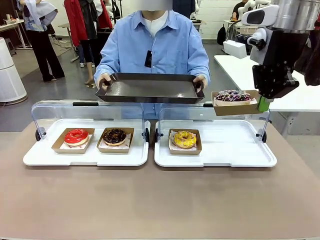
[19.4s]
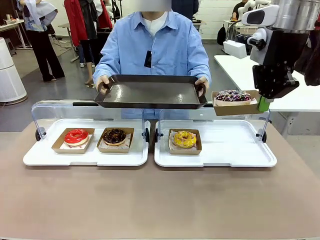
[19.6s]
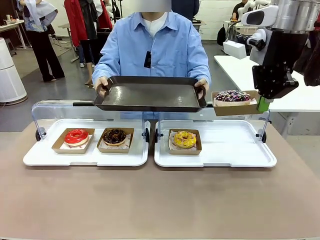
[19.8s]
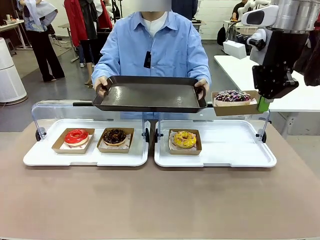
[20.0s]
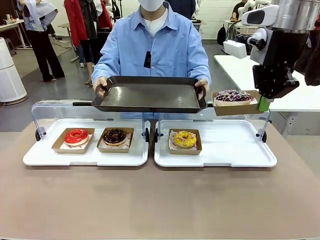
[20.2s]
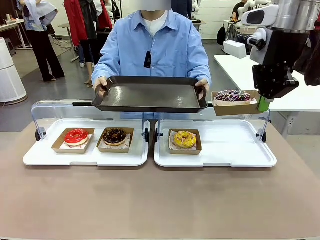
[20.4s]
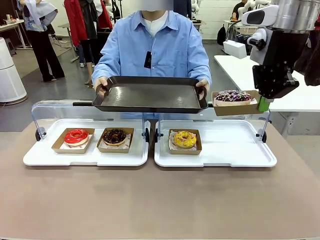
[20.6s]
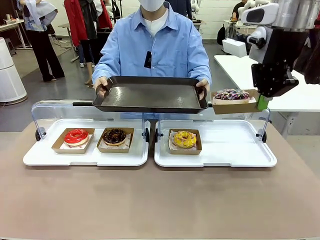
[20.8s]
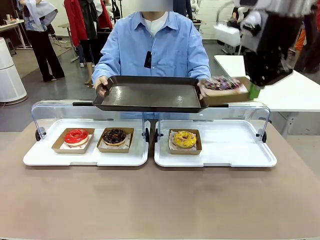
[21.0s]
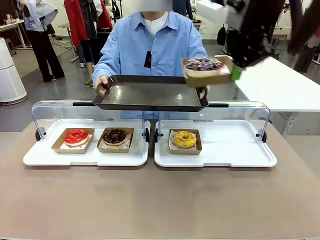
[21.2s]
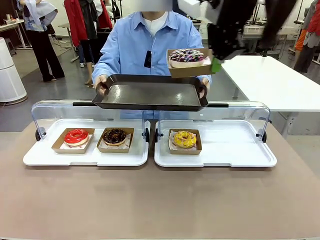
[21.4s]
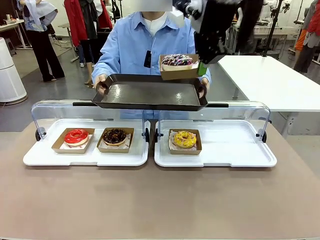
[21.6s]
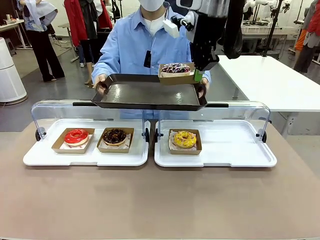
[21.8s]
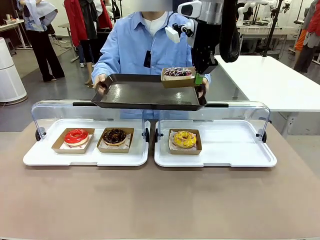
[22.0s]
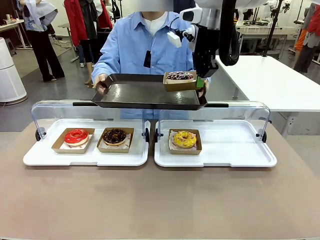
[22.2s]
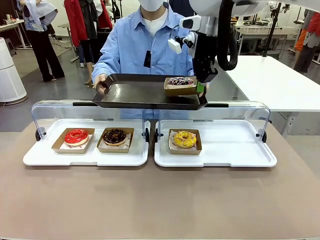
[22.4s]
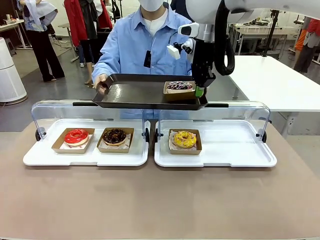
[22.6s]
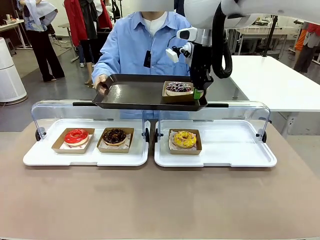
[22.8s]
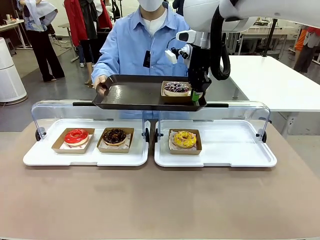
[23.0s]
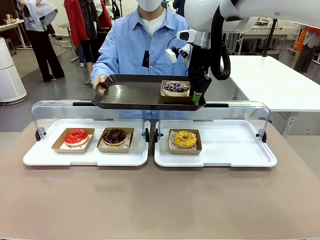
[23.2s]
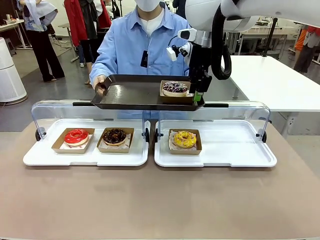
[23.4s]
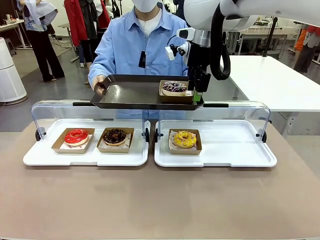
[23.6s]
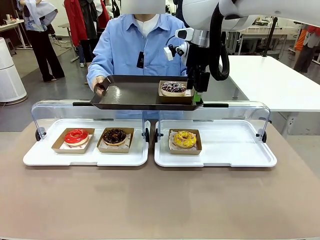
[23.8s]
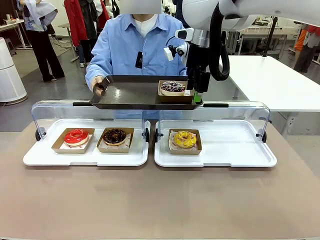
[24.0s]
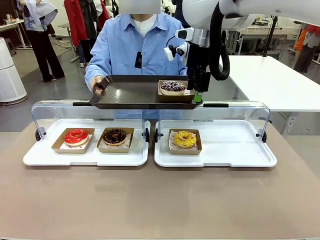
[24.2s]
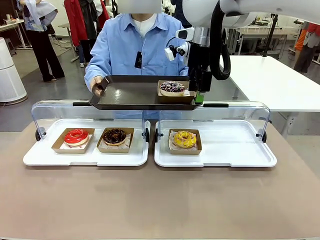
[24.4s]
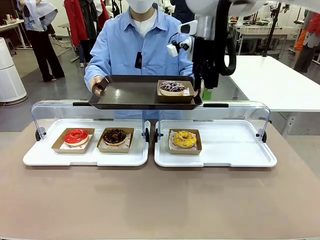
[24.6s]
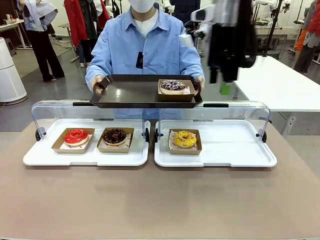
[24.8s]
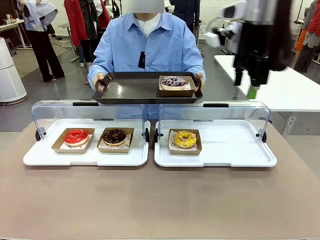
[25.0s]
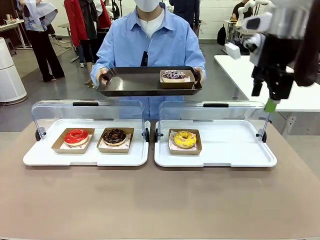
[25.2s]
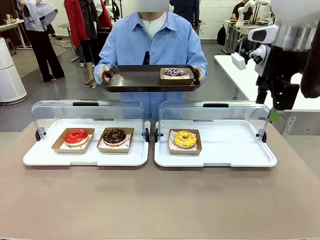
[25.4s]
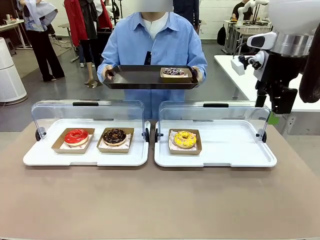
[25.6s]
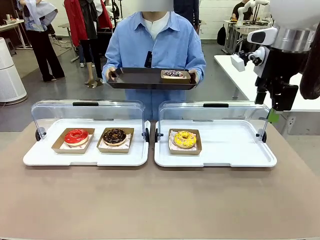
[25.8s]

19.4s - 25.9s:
Task: Provide the desired donut to the person.
Robot: Place the picked Paper togo box onto the Handle tray extended by the person.

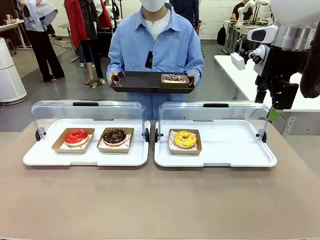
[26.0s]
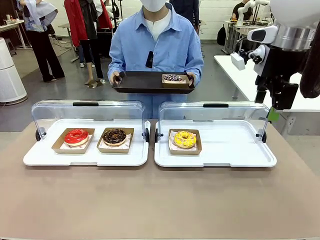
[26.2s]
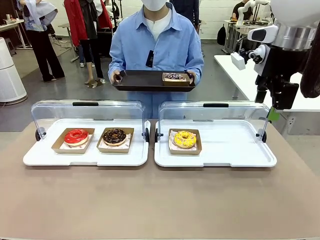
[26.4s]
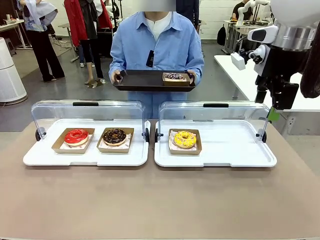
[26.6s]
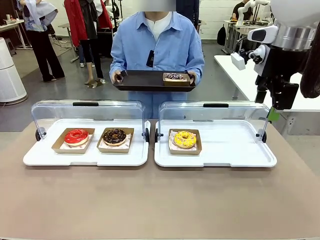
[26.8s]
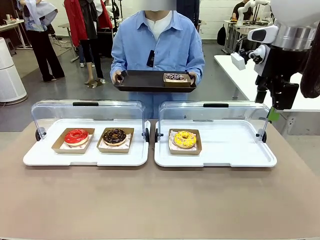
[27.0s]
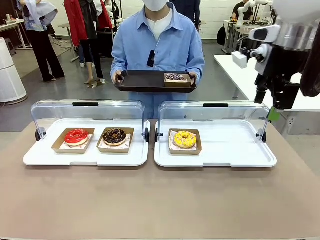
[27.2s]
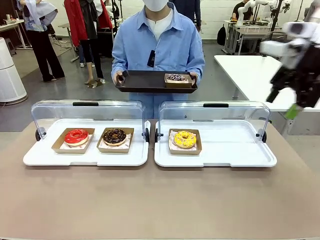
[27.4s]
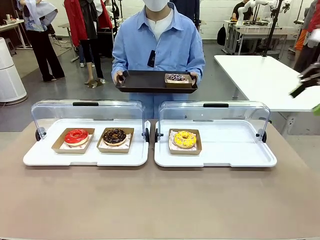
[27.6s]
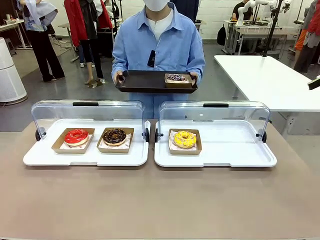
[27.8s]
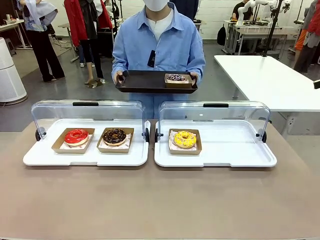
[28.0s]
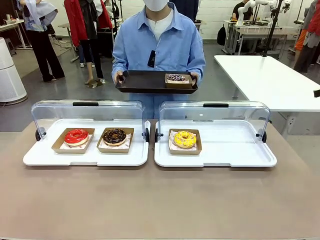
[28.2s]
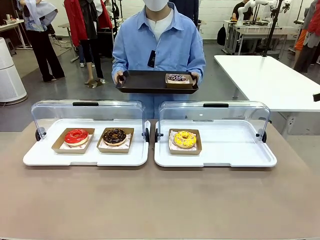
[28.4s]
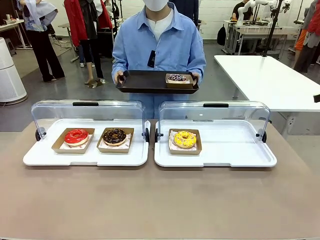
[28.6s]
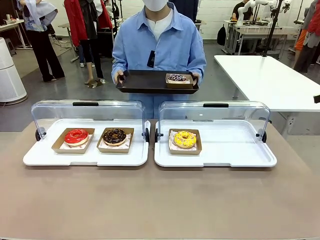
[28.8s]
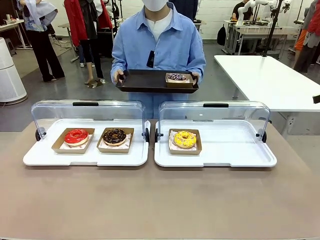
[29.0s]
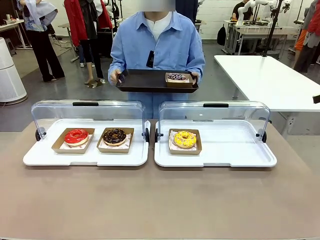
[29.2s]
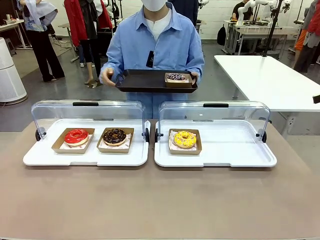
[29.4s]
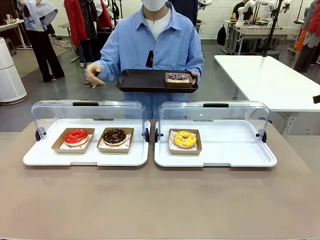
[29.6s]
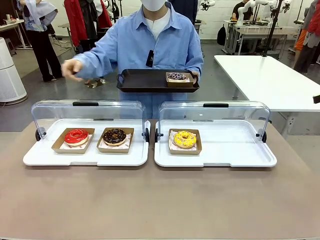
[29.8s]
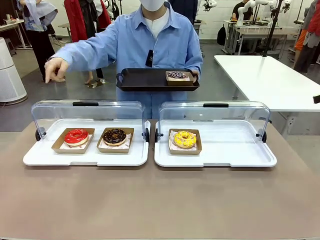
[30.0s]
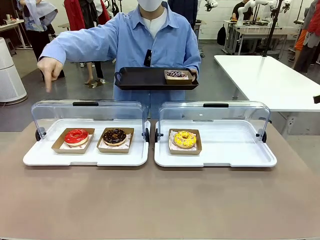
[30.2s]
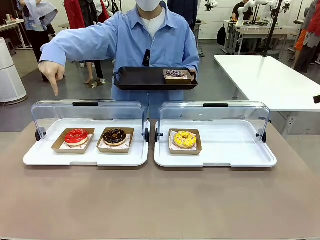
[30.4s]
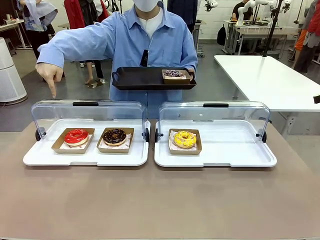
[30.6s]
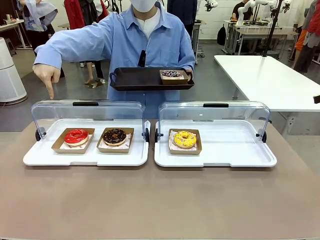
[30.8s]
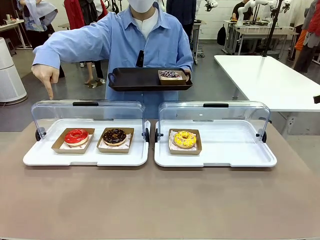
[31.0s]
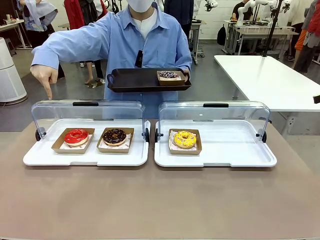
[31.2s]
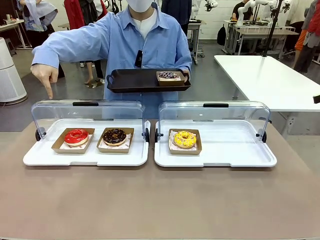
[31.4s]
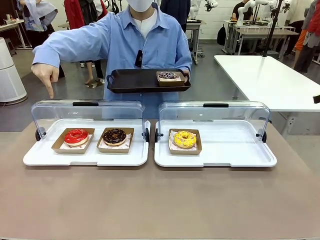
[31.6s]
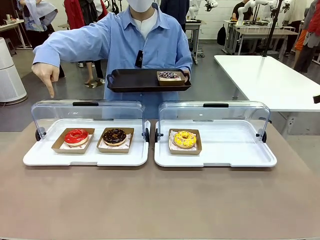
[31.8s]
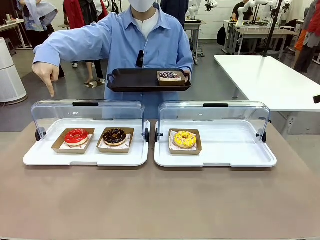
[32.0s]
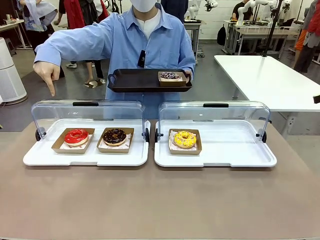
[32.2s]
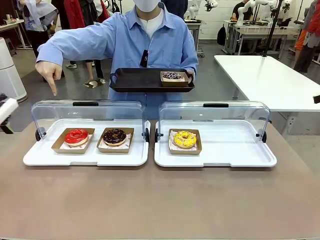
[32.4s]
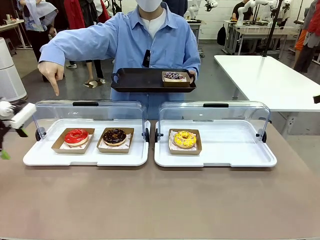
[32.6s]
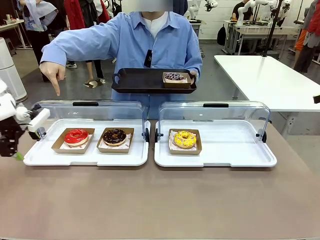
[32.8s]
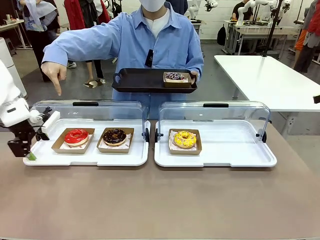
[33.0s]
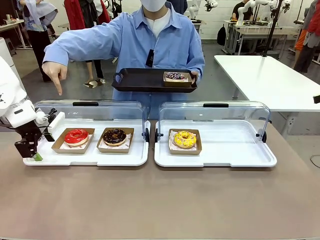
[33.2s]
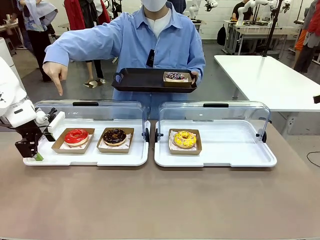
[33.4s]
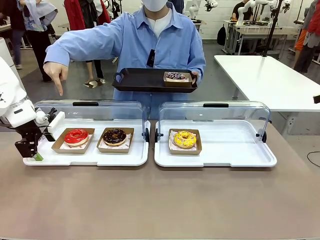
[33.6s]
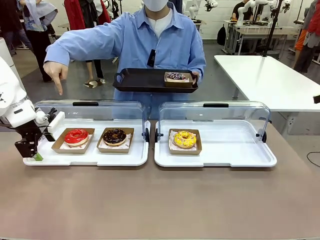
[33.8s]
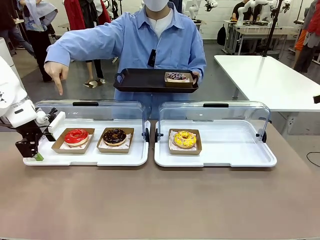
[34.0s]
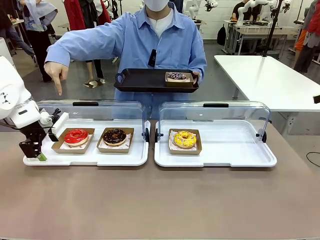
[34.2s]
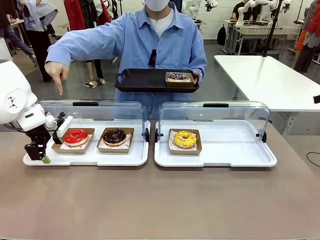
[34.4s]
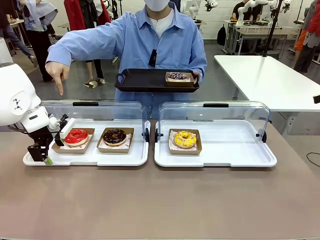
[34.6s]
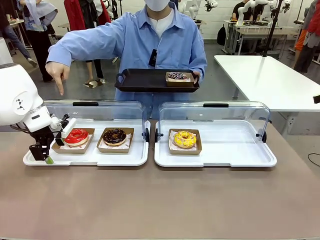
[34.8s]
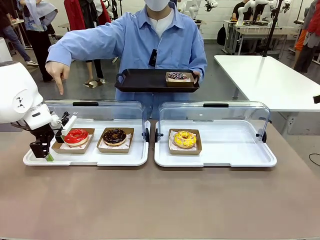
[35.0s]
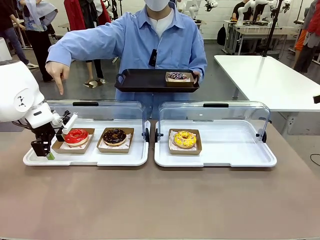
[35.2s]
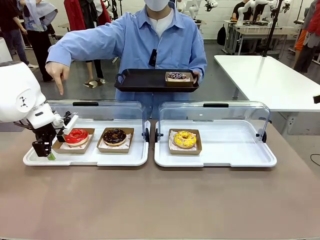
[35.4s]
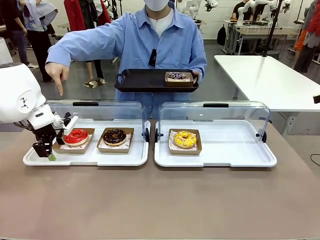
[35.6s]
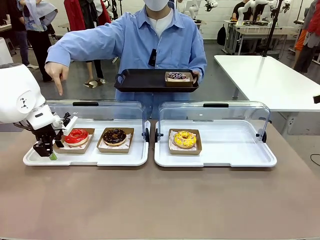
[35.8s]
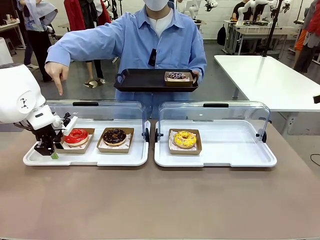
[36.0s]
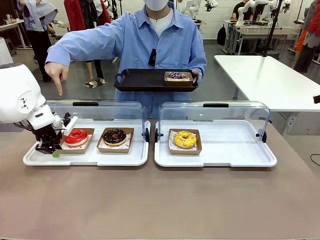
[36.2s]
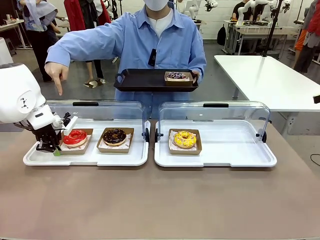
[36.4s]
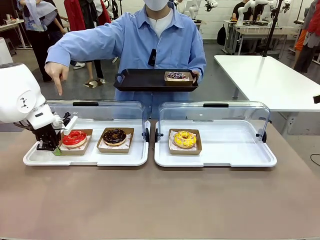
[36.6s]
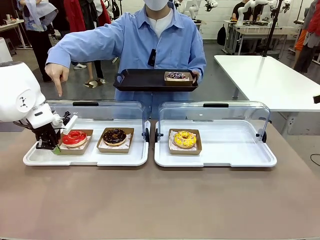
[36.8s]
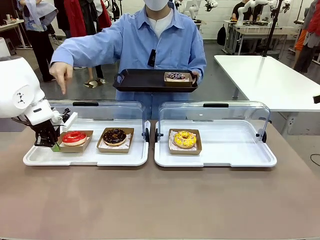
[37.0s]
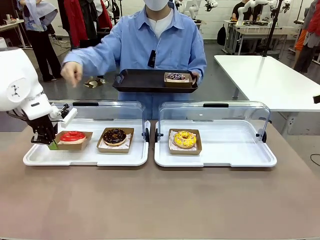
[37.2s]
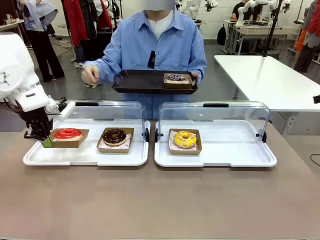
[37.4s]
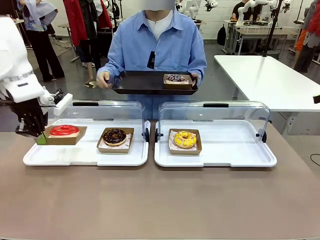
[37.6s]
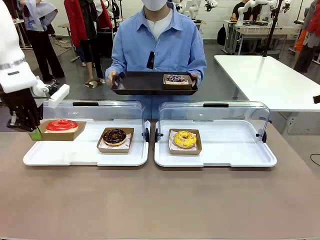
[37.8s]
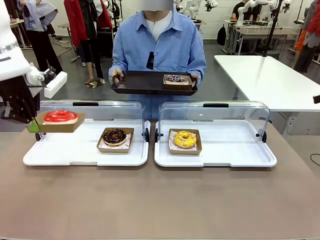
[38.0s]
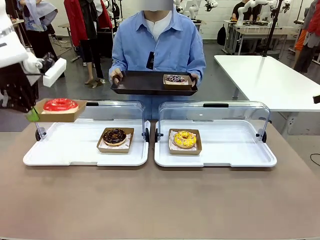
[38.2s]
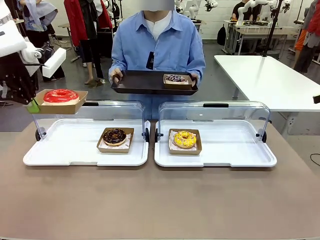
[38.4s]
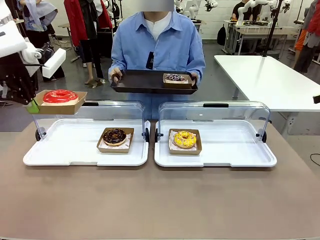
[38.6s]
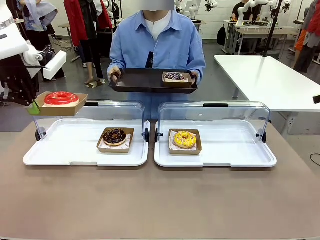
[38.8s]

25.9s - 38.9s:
Robot: Pick up and lift the Paper togo box containing the Donut pointed at by the person.
Person: Point to one donut. Lift the tray onto the Roll-Top Bakery Case.
